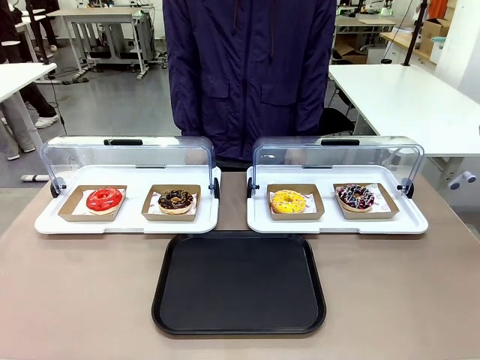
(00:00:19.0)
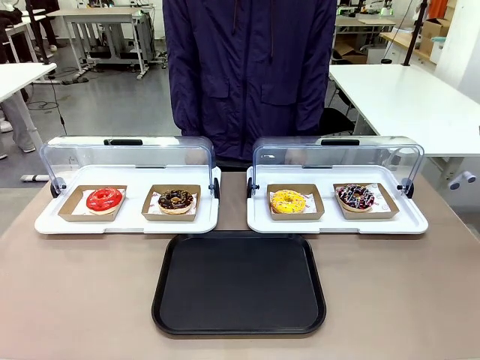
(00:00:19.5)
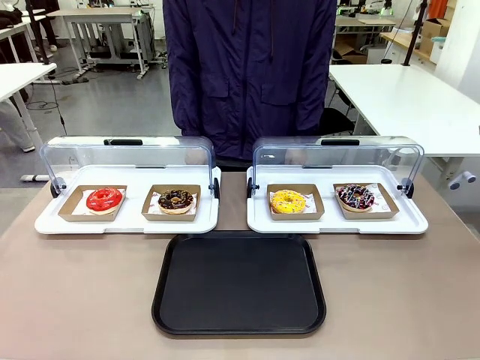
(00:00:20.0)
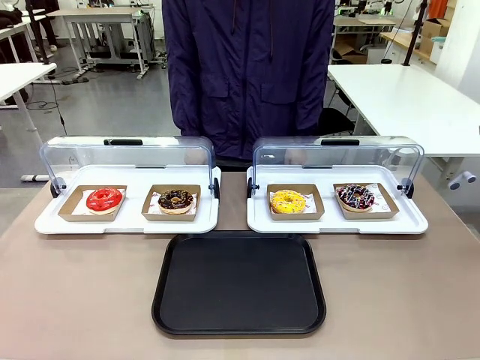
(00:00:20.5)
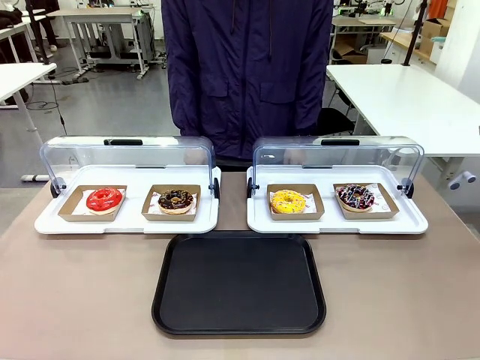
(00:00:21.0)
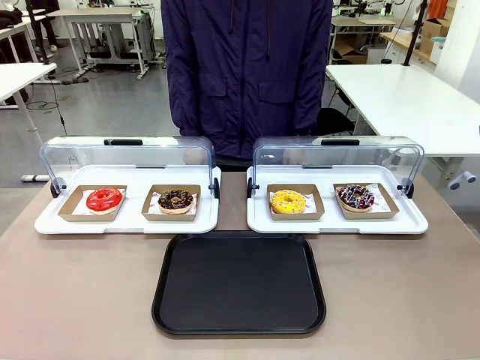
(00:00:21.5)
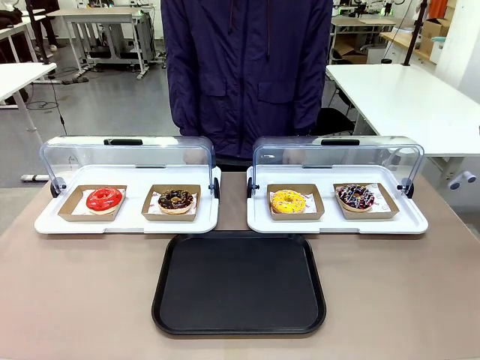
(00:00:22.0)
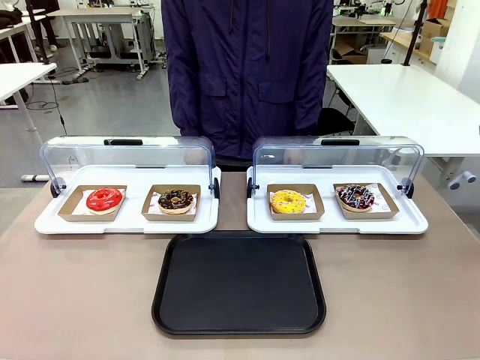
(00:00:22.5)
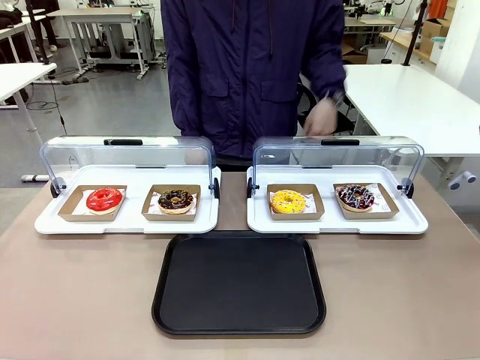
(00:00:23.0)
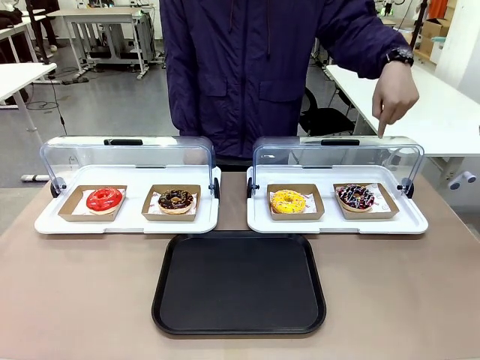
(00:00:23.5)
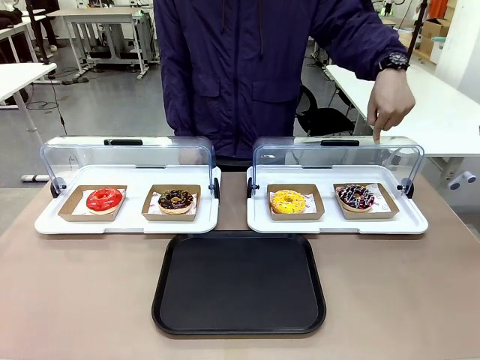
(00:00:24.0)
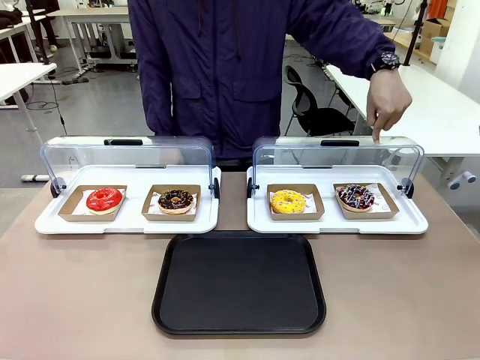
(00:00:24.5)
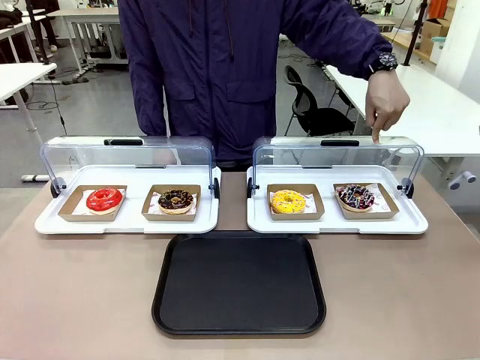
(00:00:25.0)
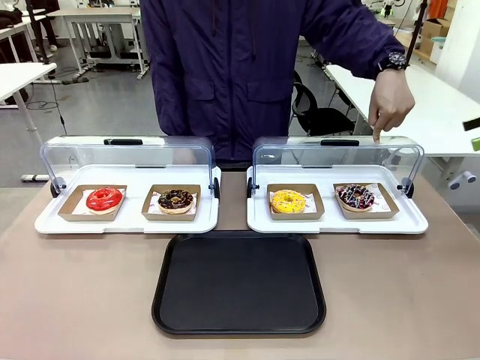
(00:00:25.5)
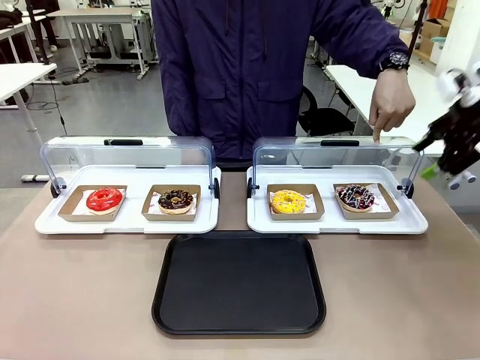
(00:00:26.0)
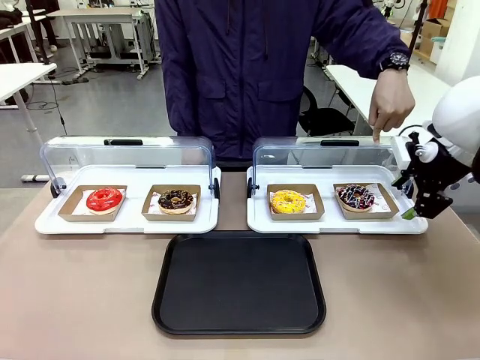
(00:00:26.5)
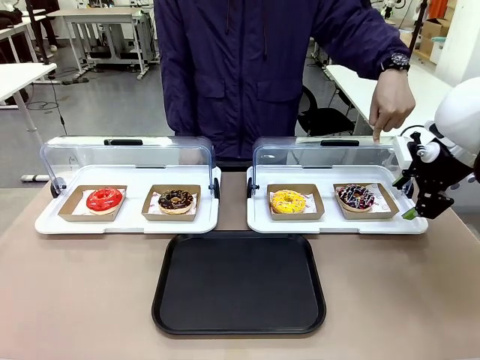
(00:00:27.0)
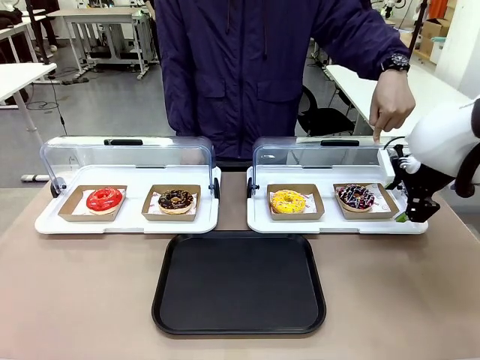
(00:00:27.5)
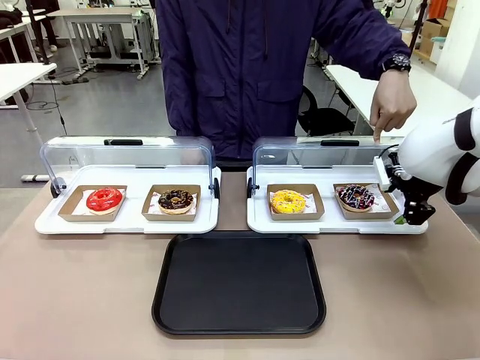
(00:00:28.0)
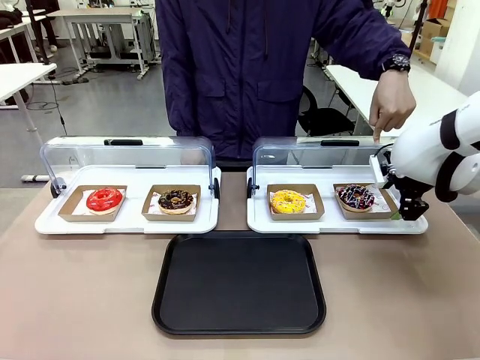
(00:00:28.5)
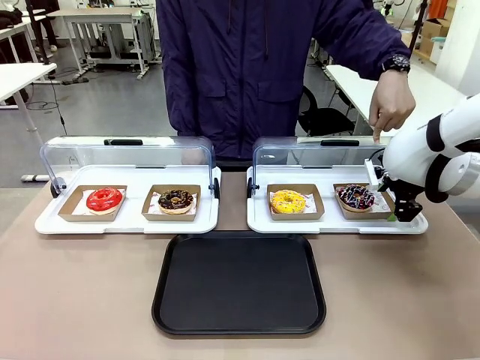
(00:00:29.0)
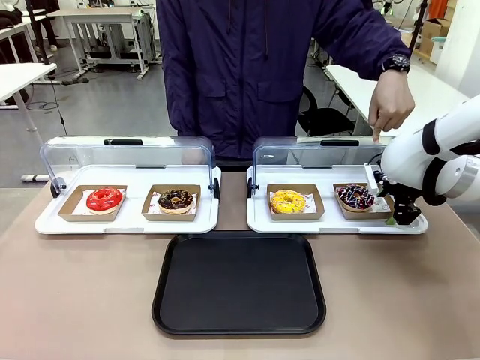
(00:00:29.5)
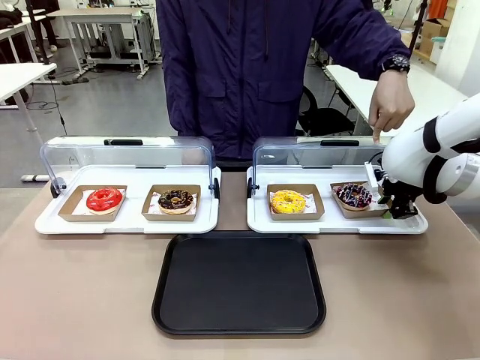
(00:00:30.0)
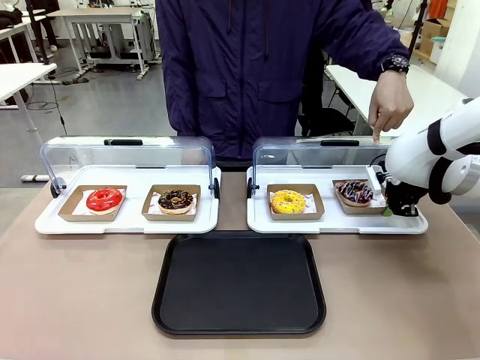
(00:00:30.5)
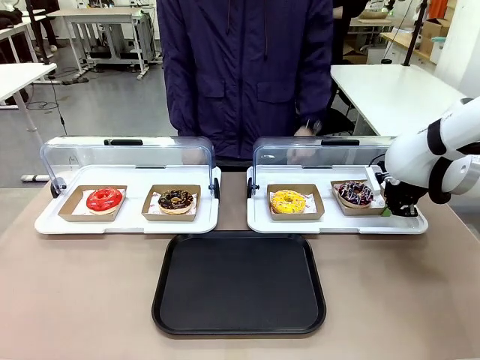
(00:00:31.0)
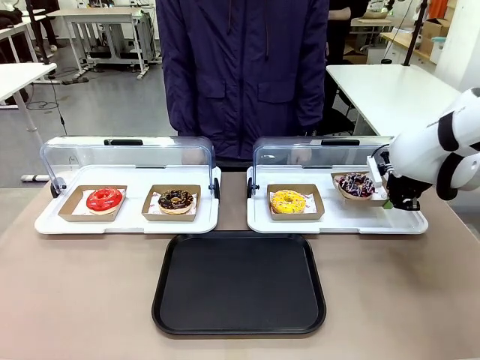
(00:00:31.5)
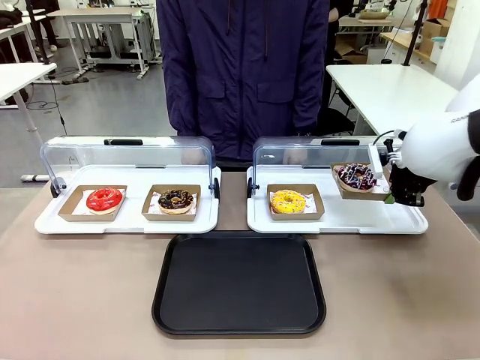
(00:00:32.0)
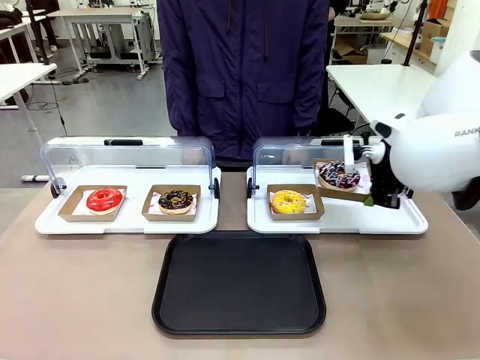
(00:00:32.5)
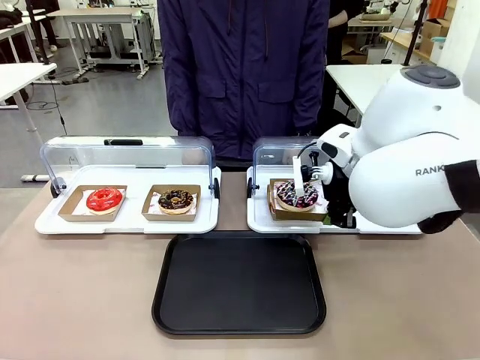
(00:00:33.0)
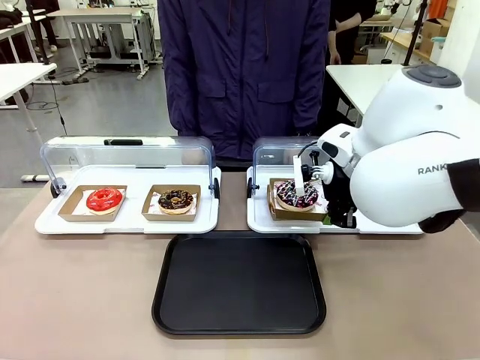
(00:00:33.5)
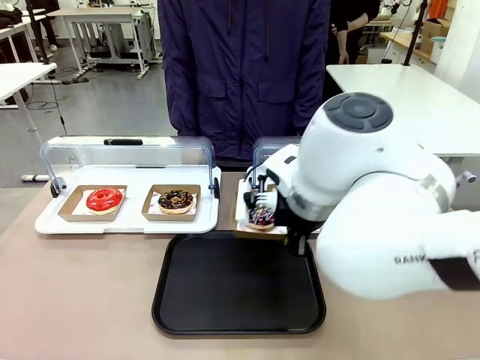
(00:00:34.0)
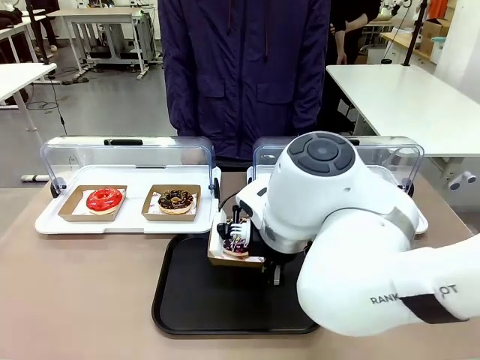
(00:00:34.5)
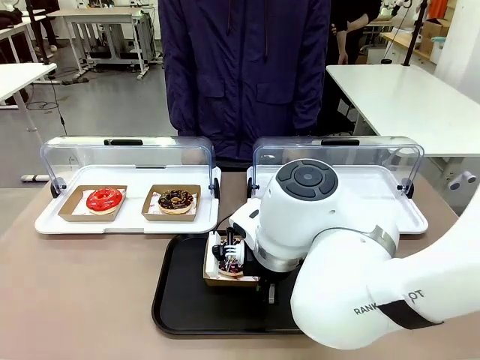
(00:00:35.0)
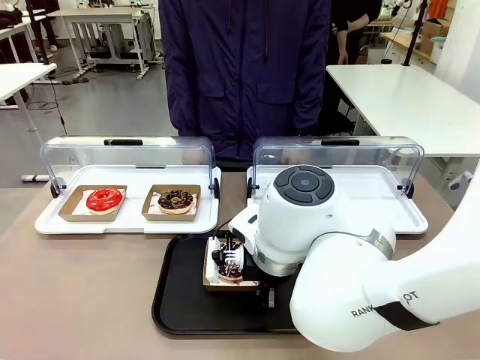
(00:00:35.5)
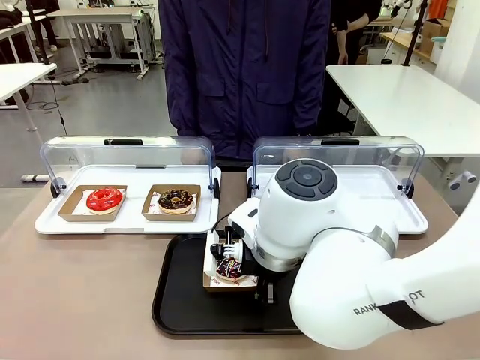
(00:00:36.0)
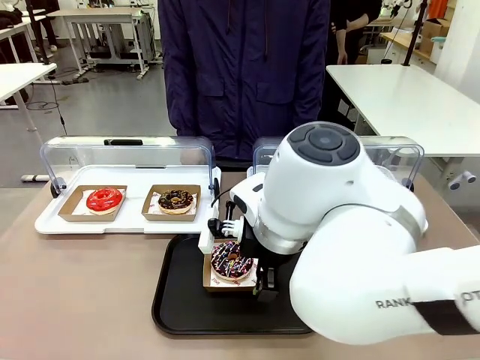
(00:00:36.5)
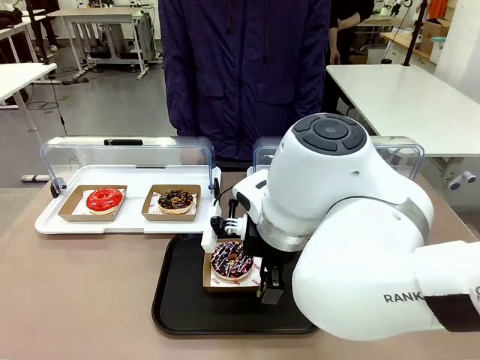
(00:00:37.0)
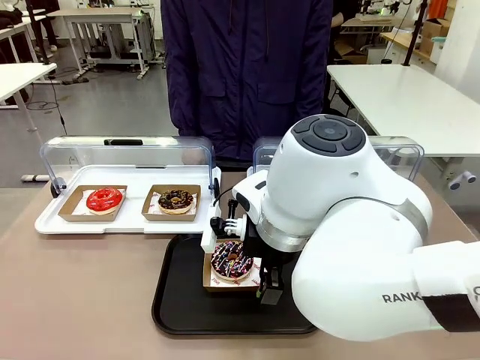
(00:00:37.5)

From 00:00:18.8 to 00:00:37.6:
Task: Move the fourth donut from the left to the tray.
Robot: Pick up the Paper togo box containing the Donut indicated by the person and place it on the Handle tray.
